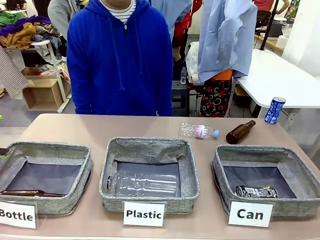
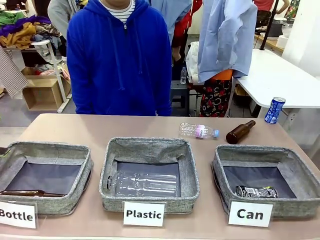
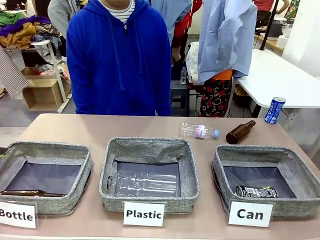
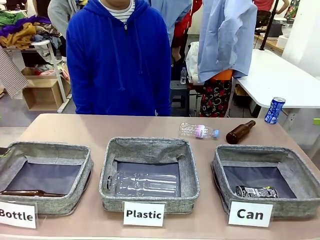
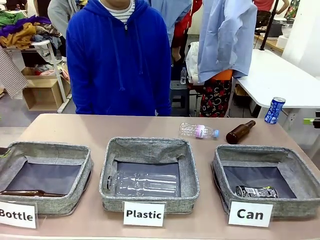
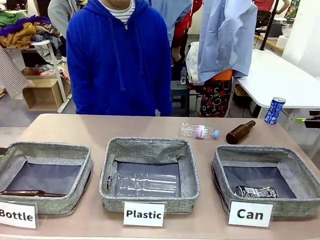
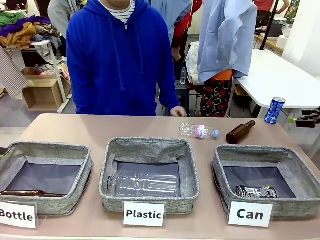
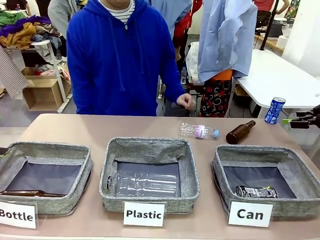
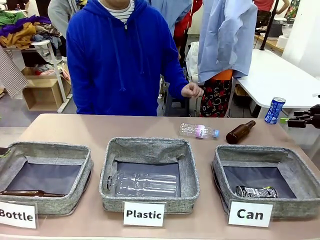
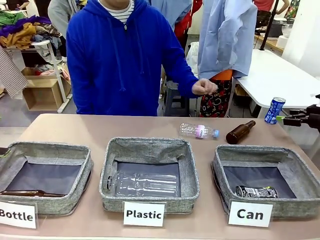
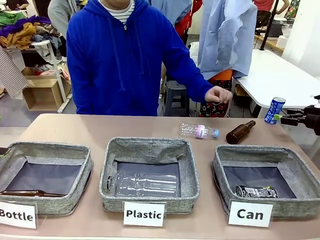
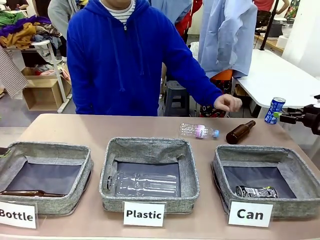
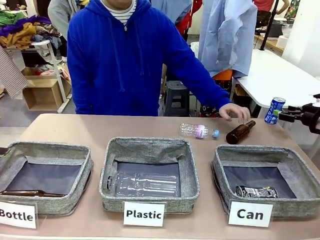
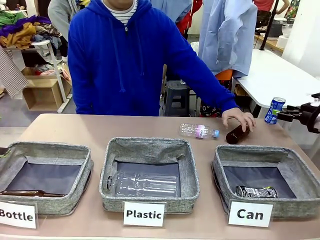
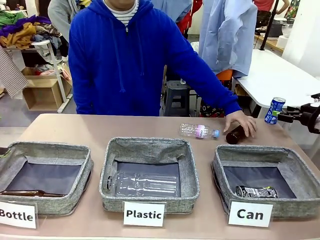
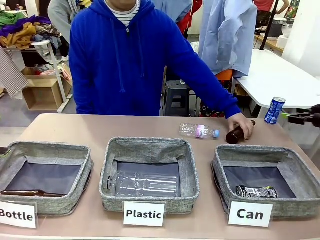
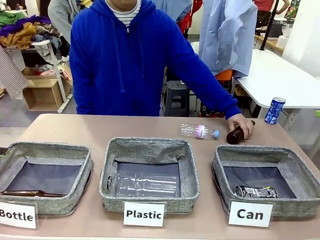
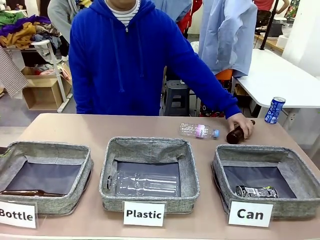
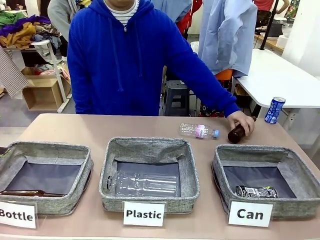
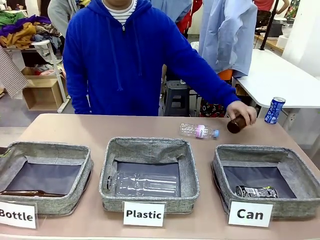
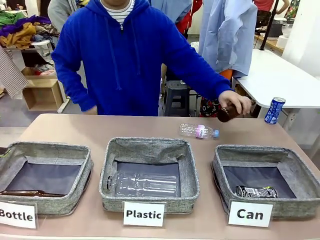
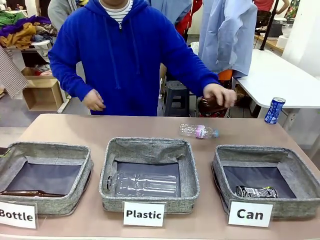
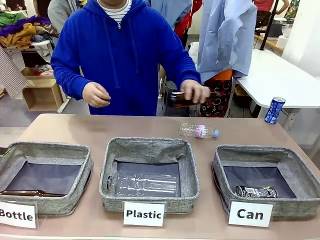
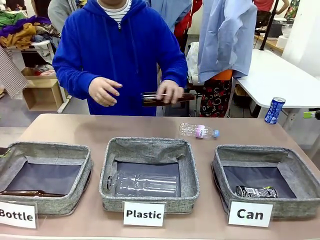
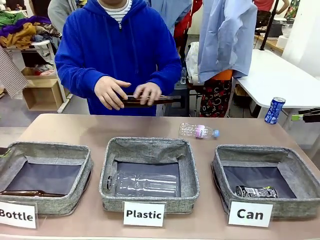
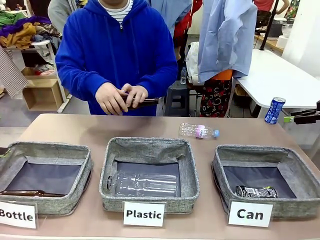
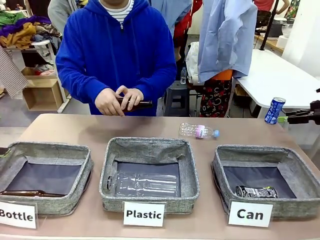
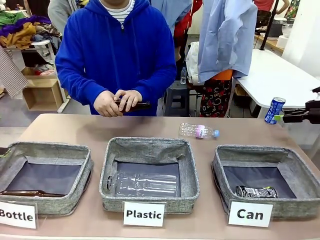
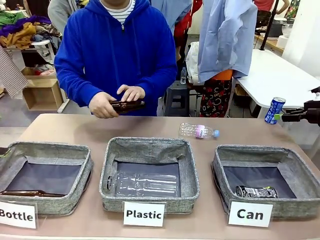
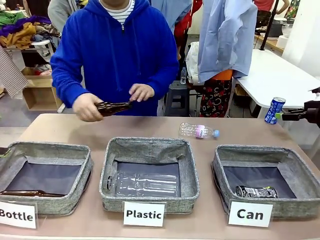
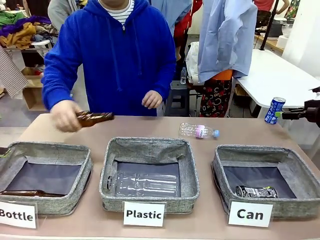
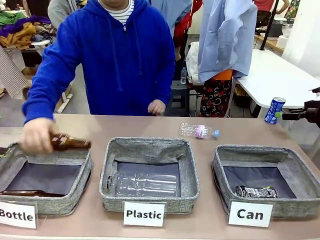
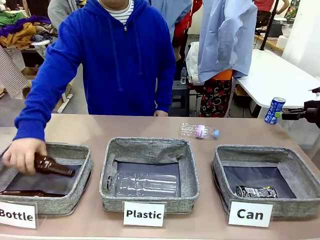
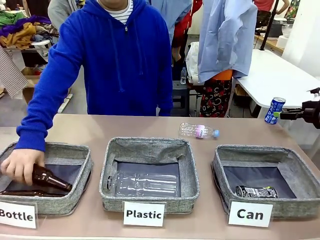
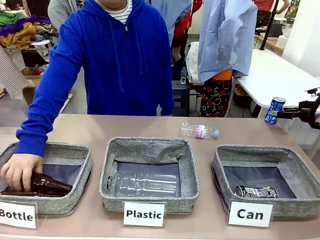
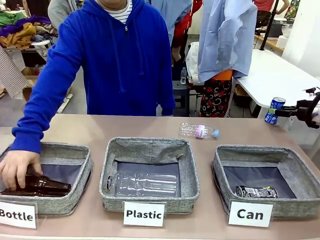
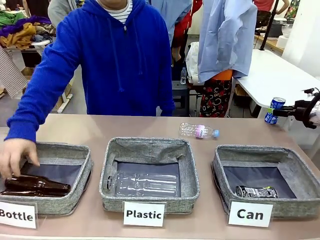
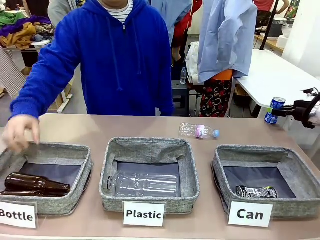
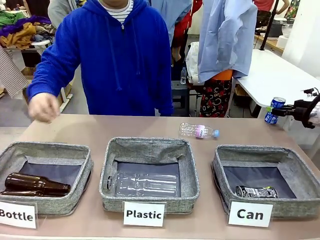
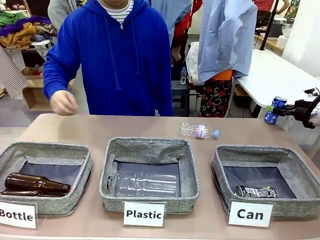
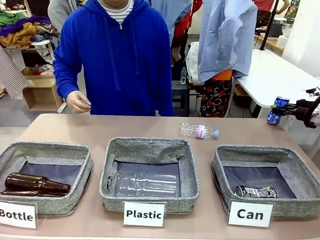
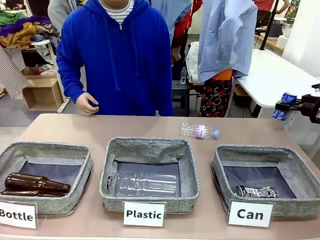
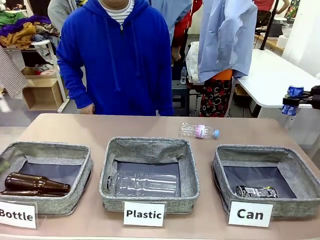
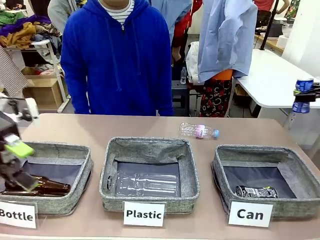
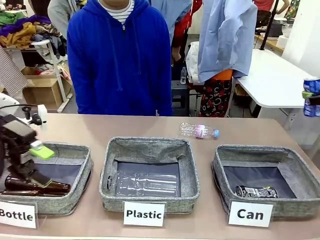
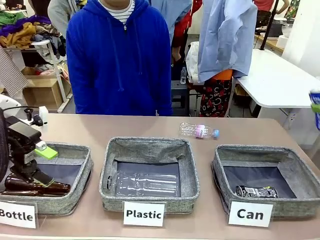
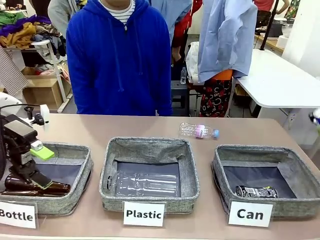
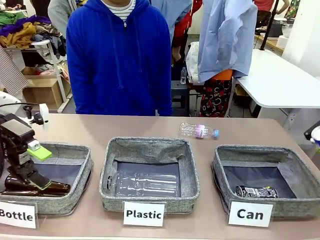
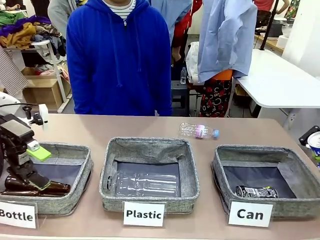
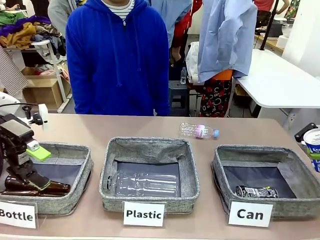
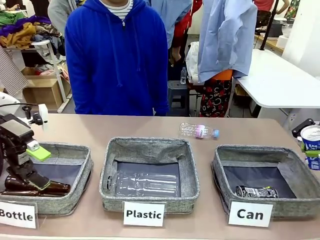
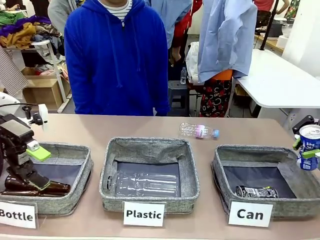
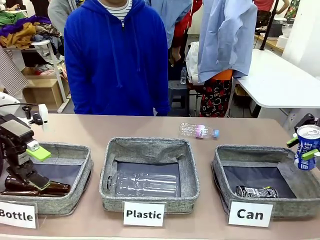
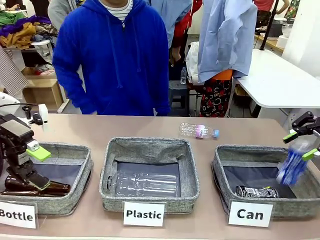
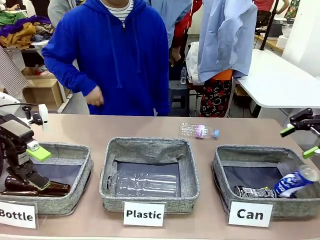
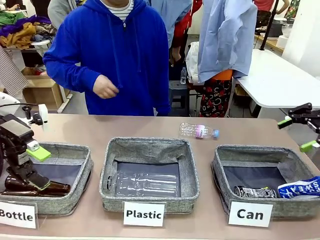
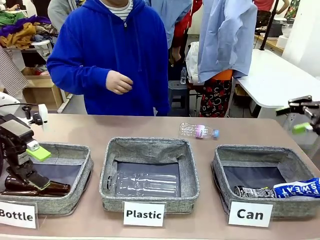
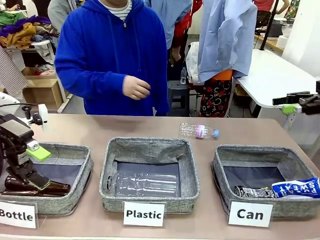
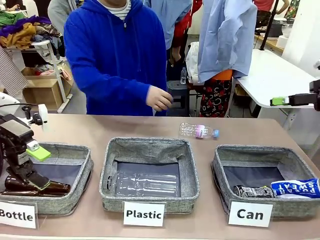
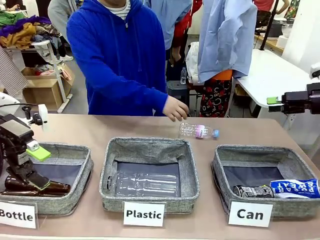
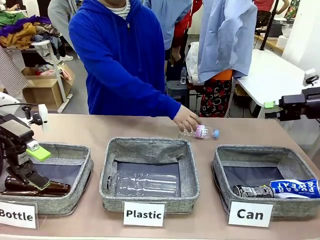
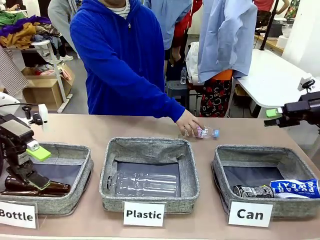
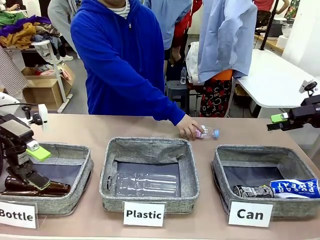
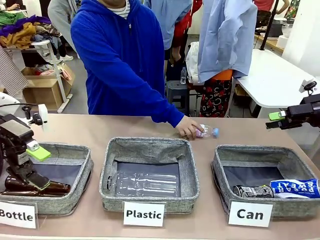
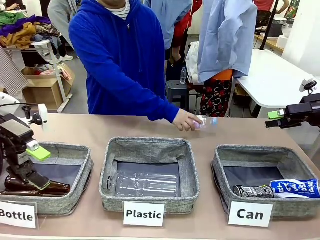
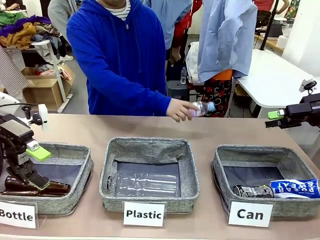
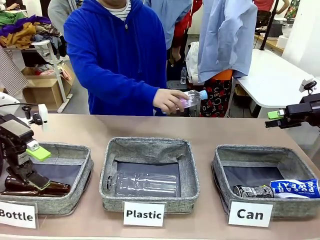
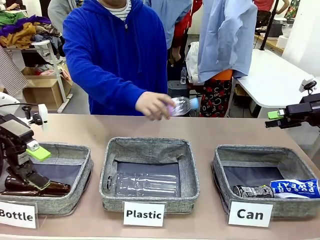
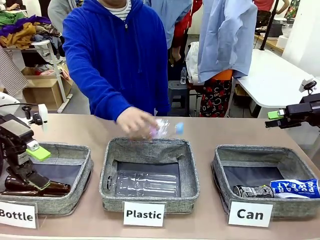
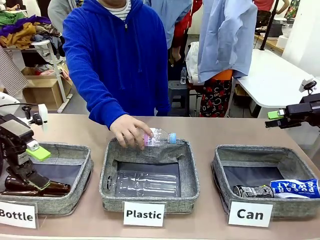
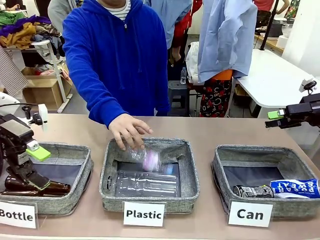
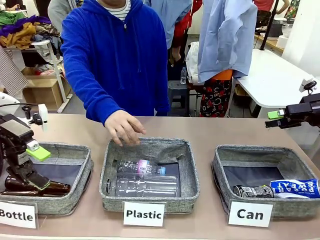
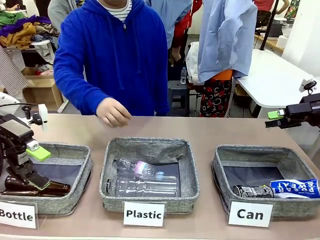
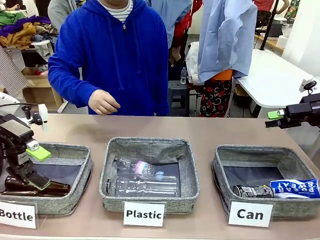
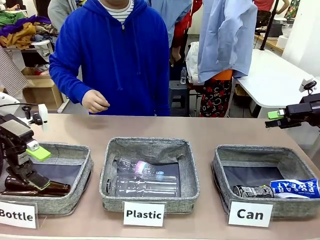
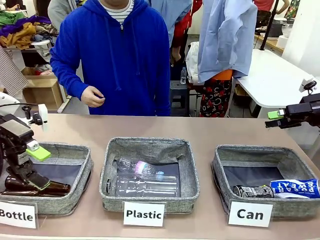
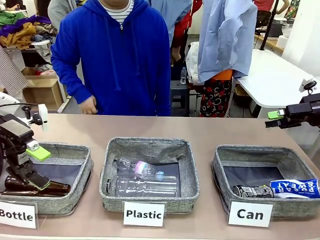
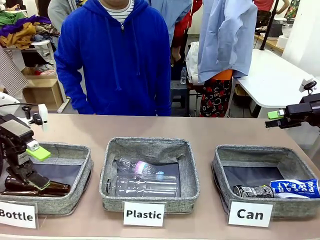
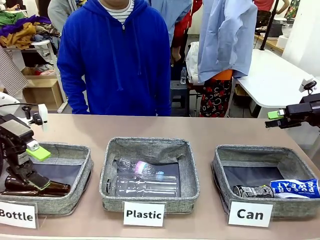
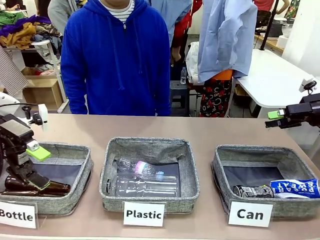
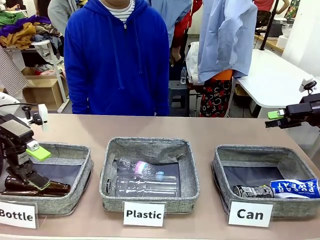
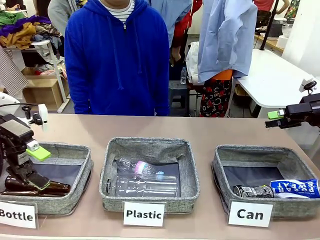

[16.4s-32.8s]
Task: Sort the can waste into the basket.
Robot: Pick up the can waste from the table and place it in the right Fabric basket.

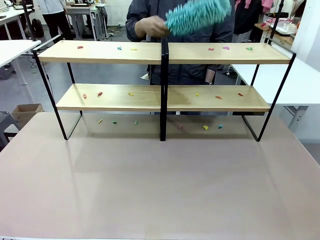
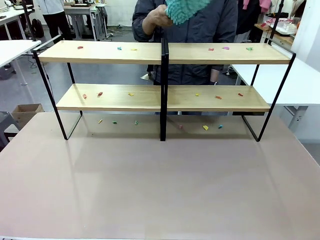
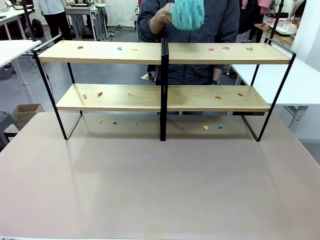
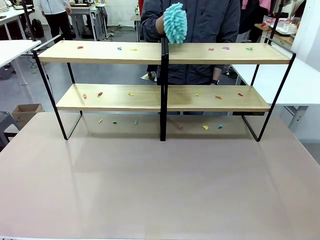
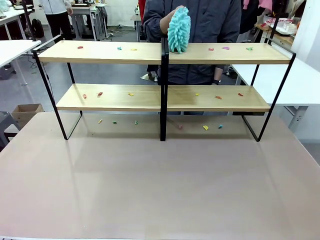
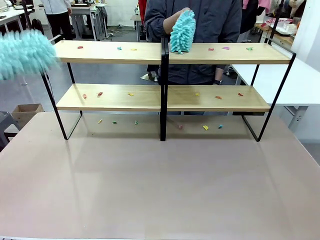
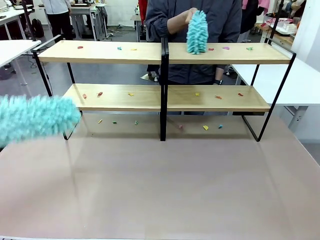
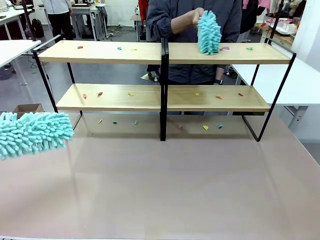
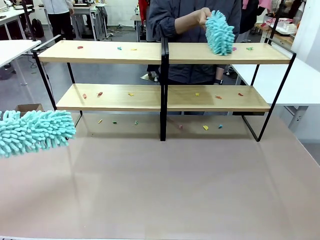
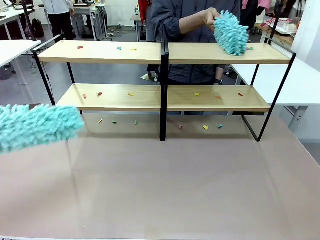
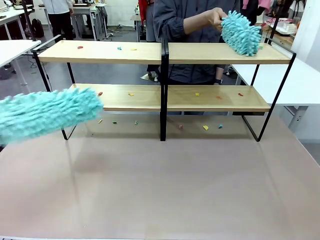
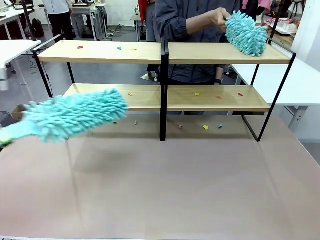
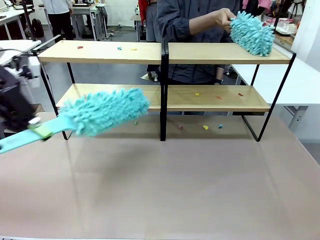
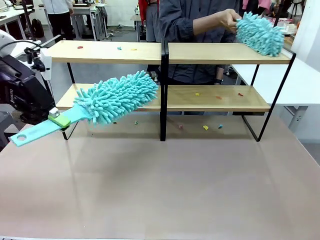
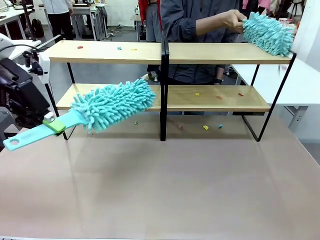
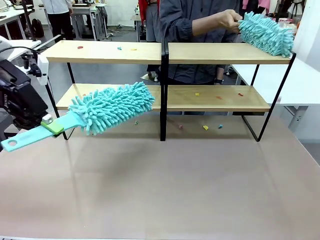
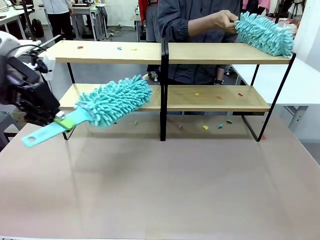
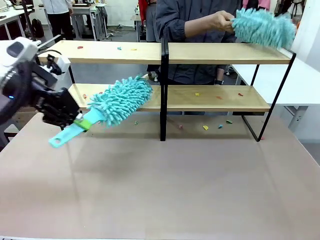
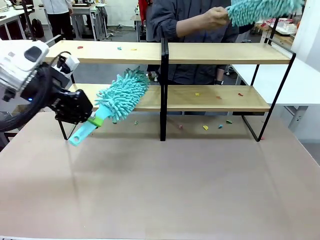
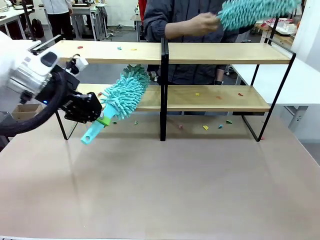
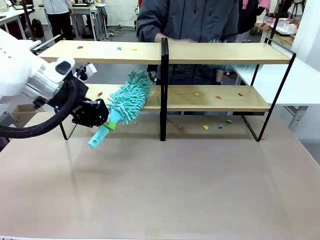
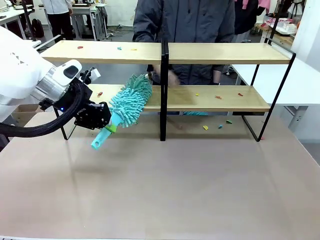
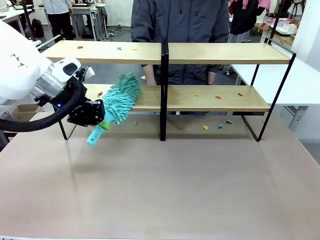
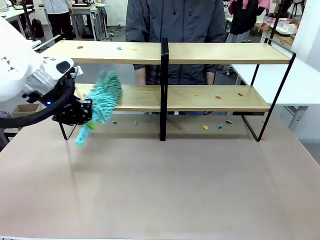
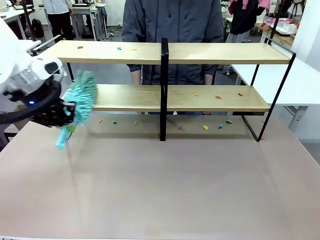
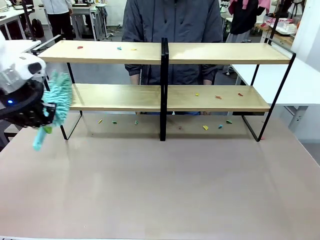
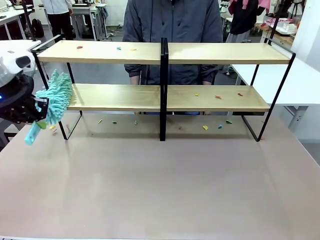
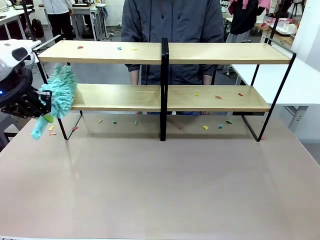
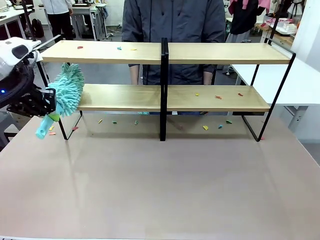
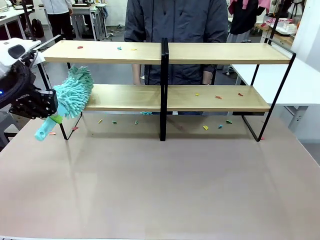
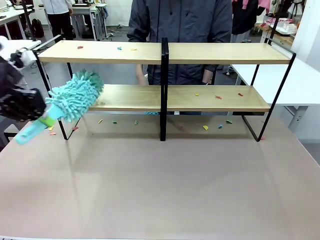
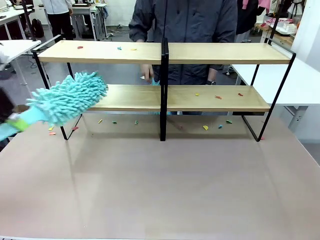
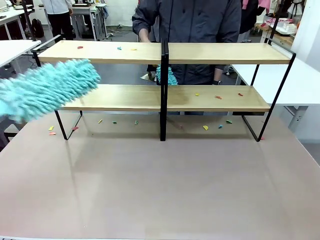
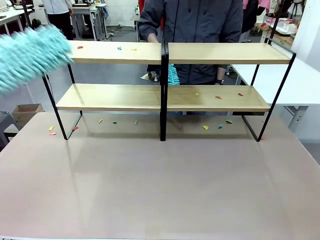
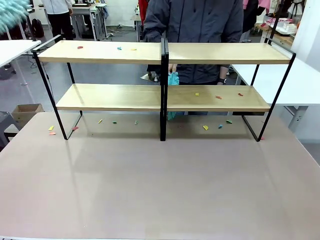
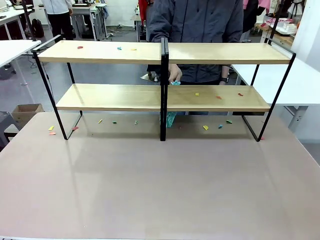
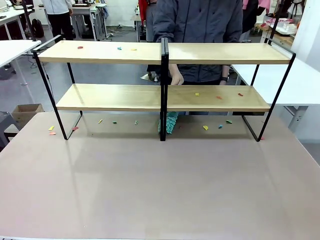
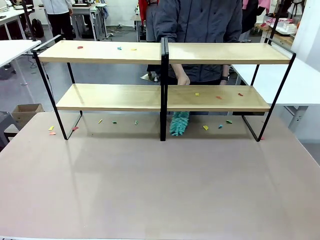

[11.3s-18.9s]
Task: Clean the shelves.
Robot: Clean a randomly selected level of the Shelf with the Duster.
